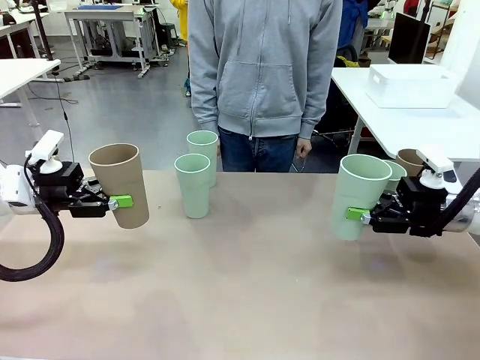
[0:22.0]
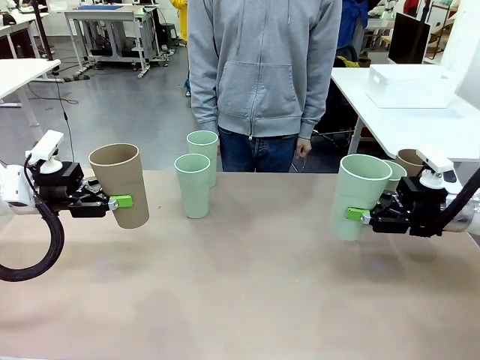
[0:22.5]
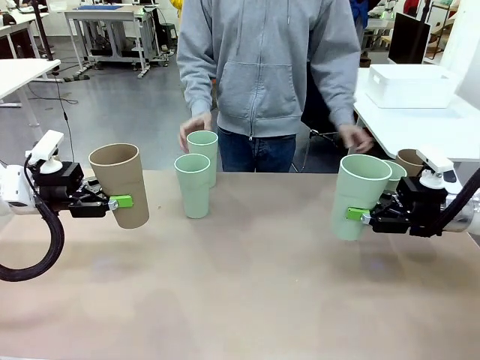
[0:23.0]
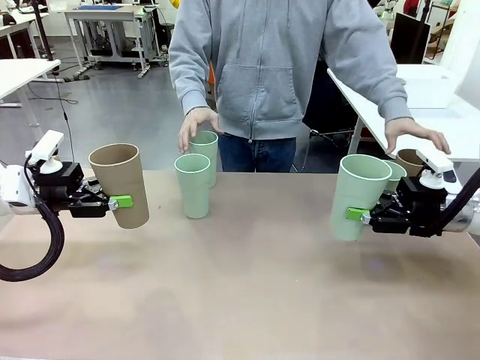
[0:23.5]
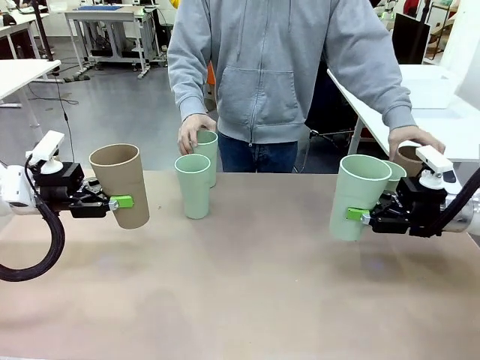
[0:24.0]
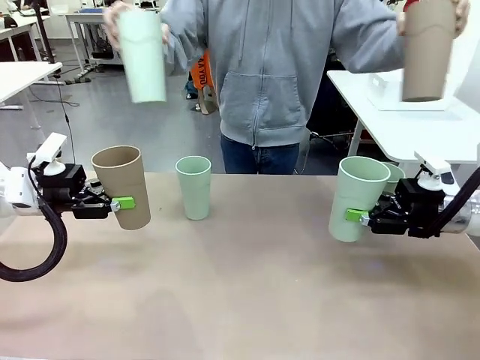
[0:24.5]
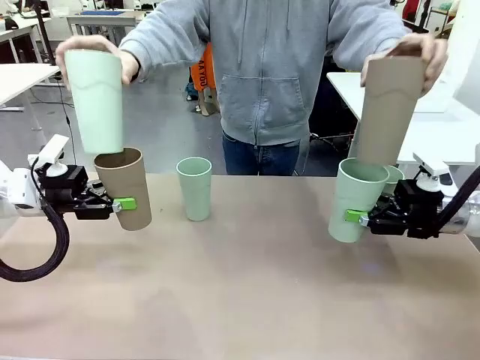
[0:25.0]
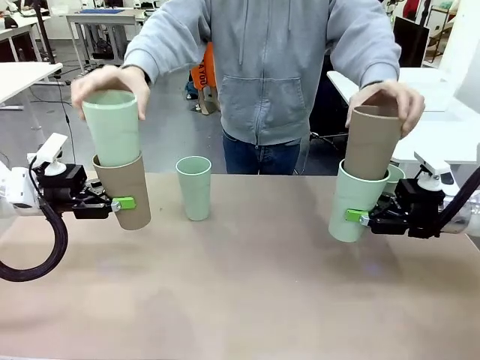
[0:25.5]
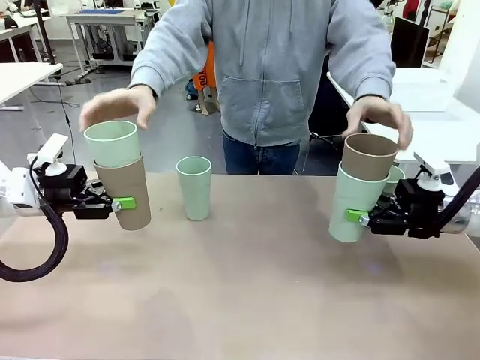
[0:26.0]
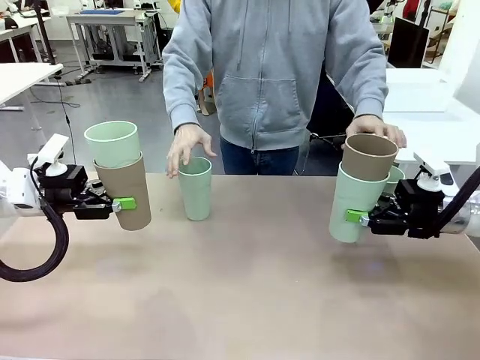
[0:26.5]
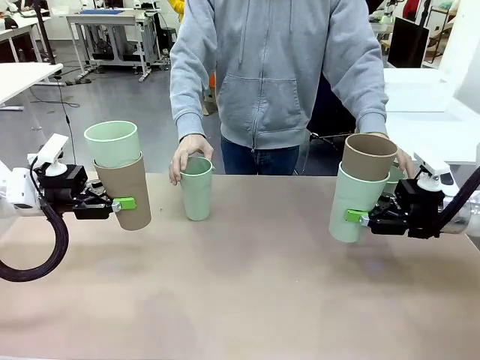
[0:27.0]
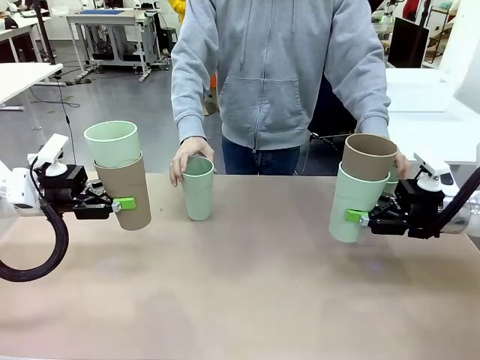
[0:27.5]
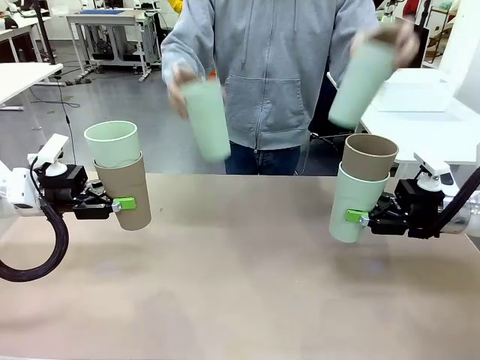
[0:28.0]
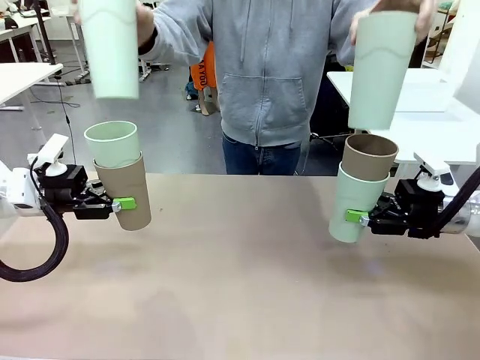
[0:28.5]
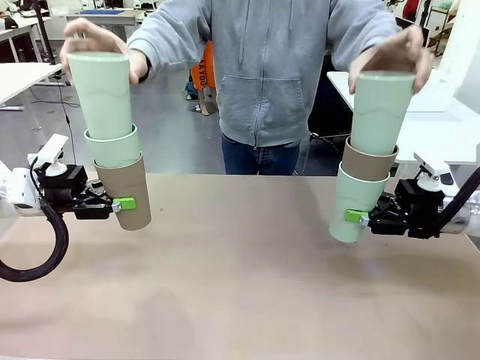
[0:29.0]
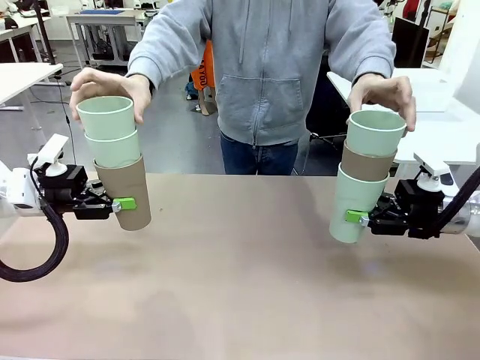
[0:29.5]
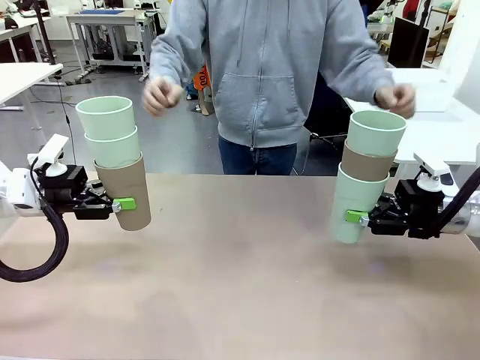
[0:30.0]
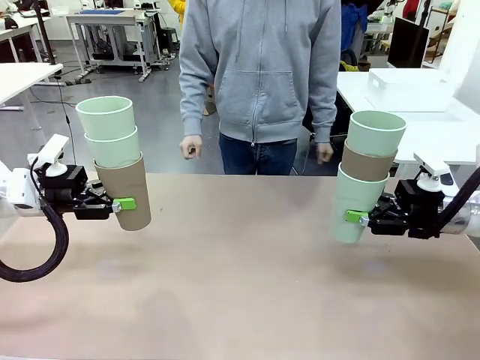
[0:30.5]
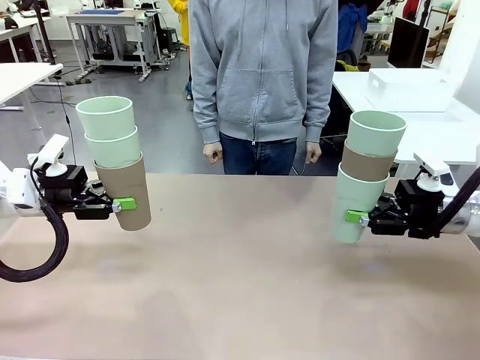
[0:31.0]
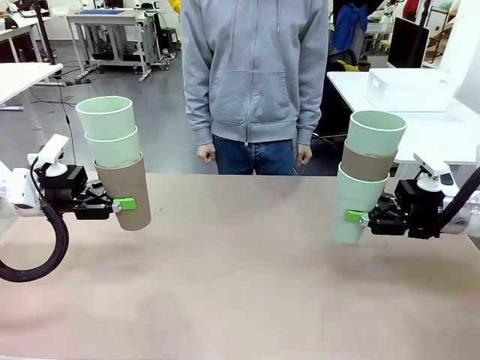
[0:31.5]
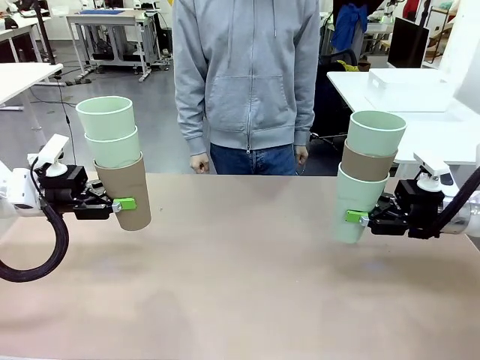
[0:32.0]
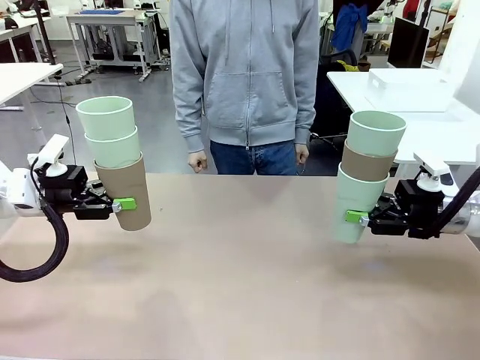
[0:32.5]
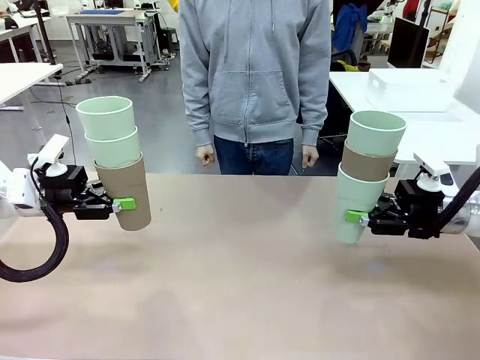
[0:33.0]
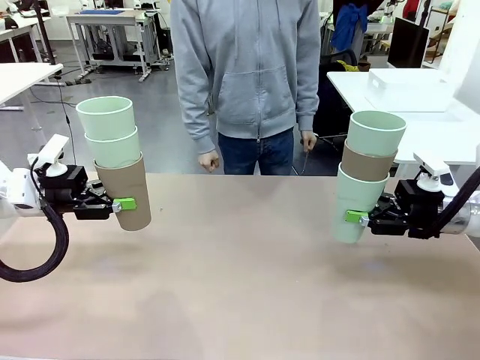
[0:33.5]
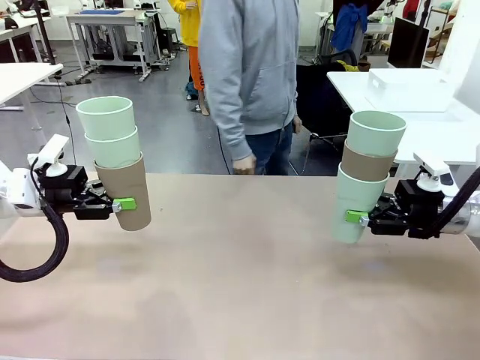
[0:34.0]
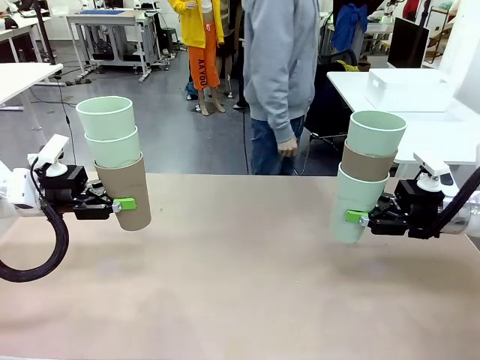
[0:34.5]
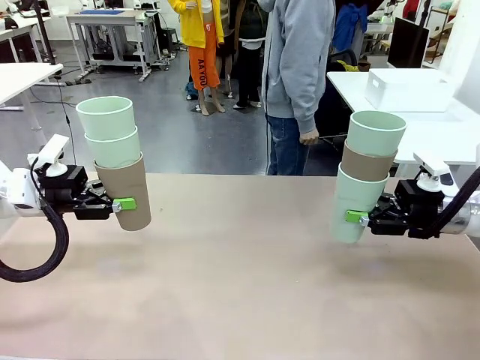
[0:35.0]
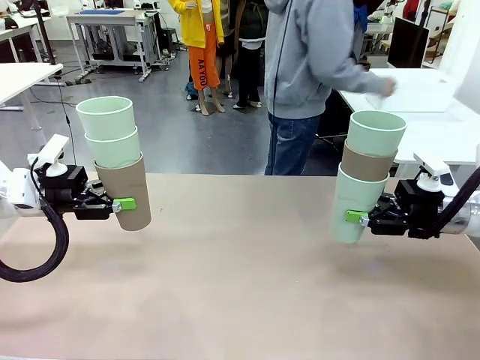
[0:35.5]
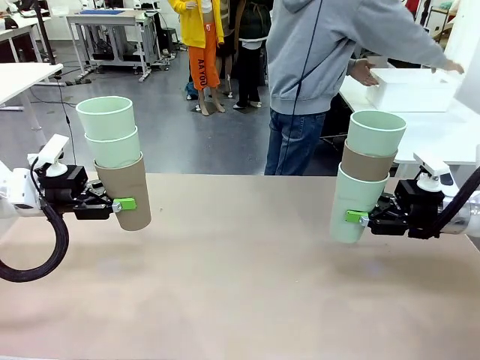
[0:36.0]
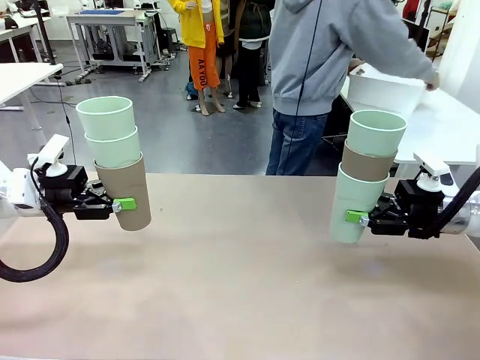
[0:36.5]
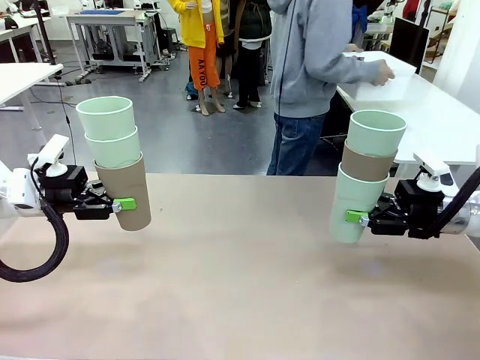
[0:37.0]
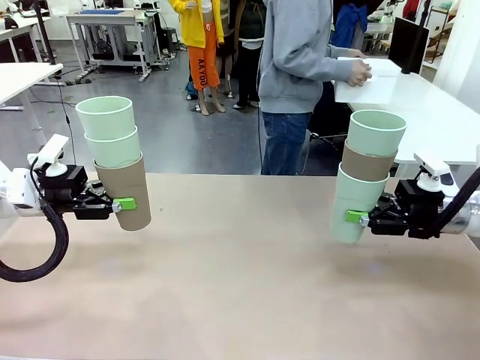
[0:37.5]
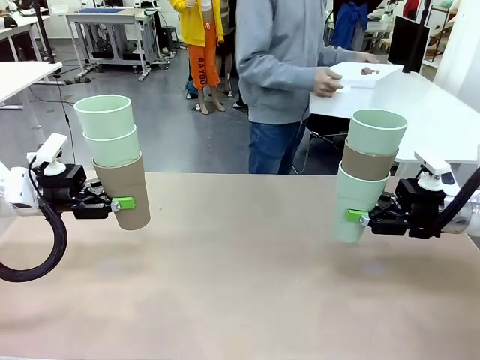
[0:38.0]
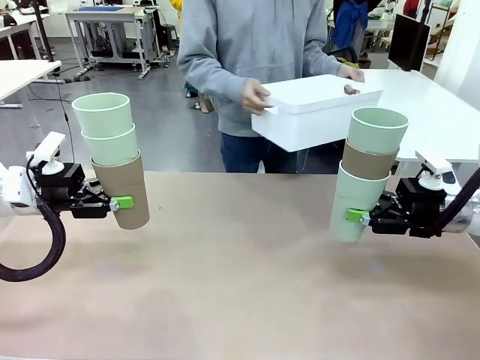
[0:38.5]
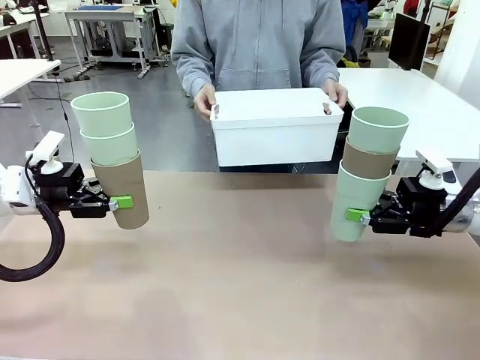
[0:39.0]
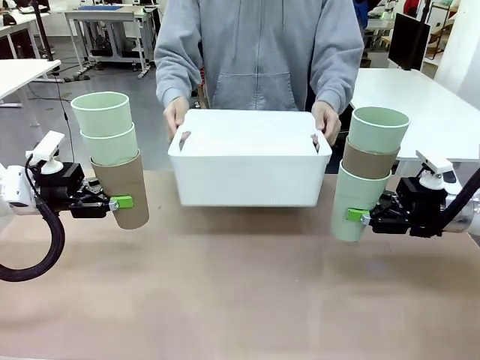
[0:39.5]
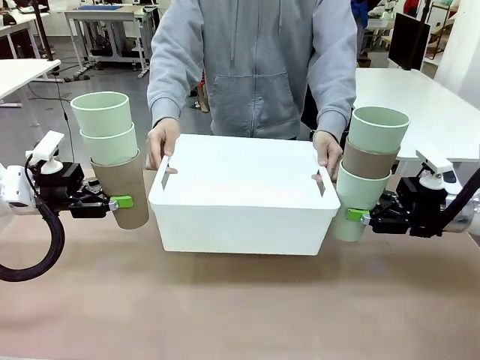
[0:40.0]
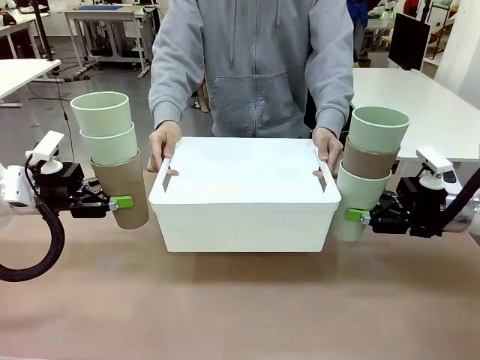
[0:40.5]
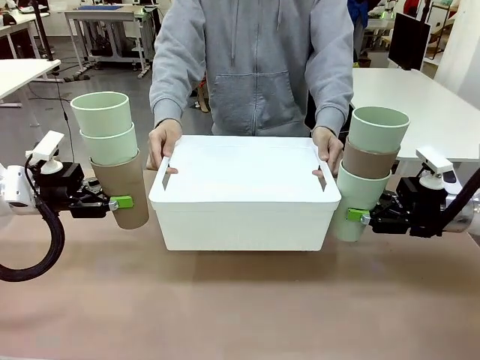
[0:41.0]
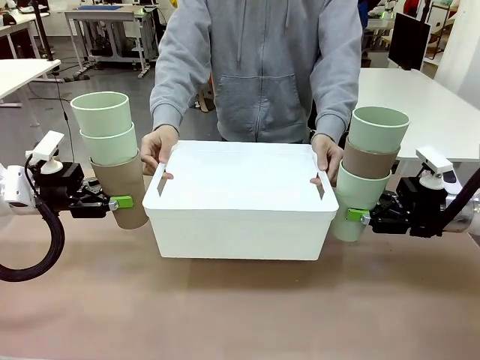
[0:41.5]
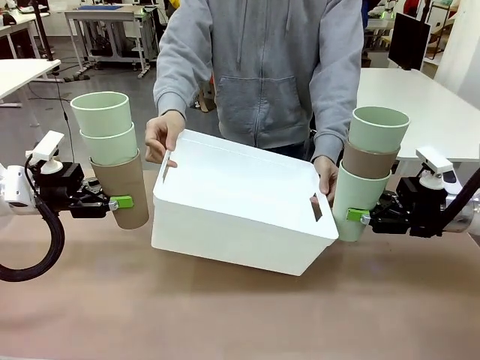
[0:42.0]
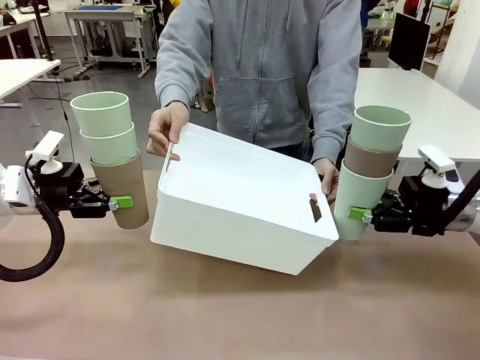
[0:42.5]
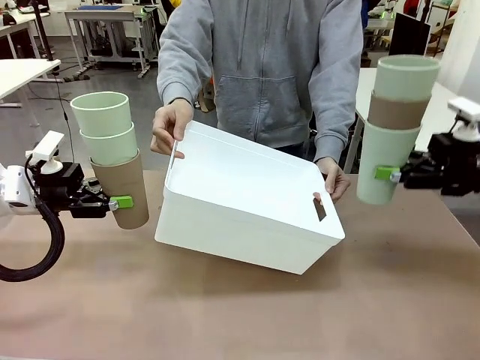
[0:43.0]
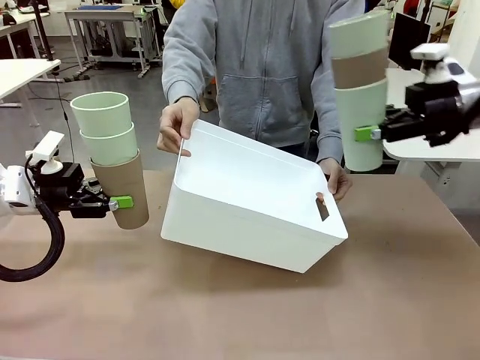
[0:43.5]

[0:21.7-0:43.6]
Task: Stack the cups and store them in the basket.
Robot: Place the stack of Reusable plastic cups into the Pantry Basket.
Person: Pick up the basket from the Human Table, bring it to the front of the robot, and present it.
